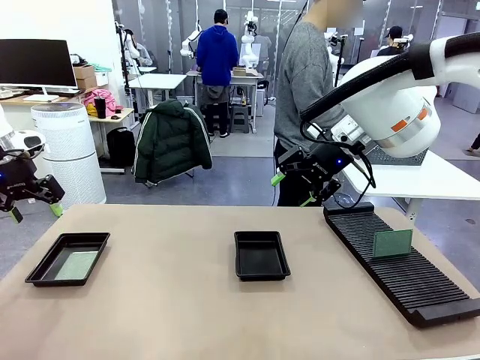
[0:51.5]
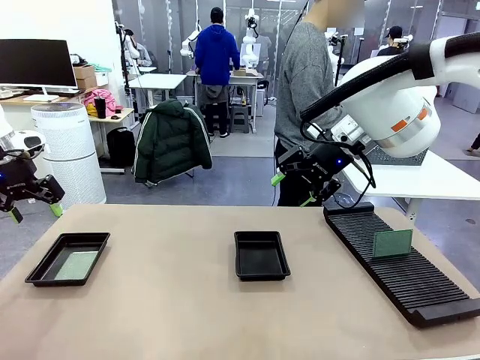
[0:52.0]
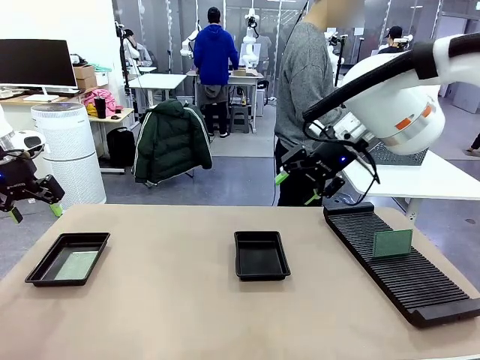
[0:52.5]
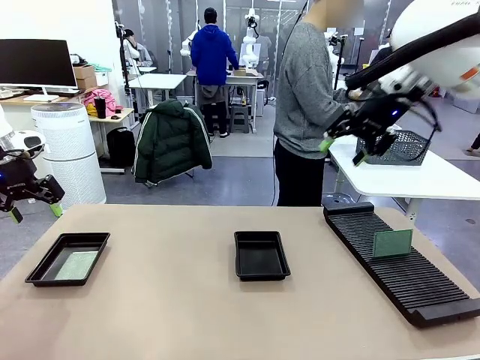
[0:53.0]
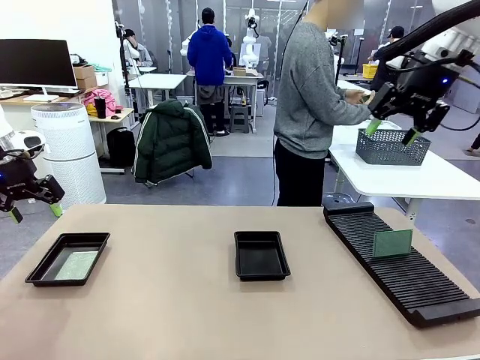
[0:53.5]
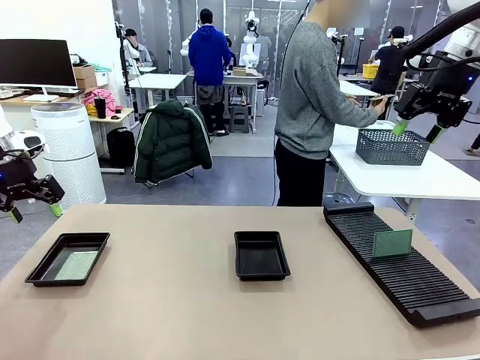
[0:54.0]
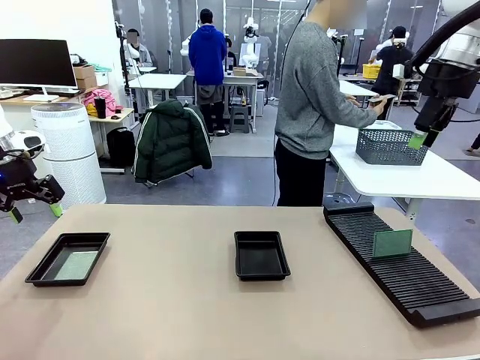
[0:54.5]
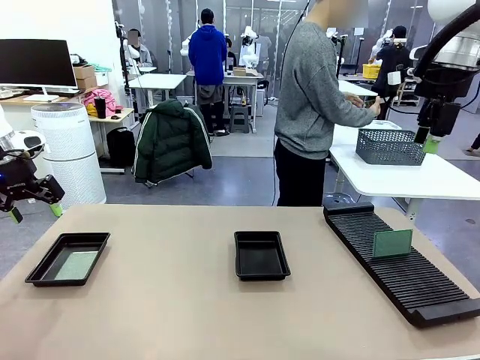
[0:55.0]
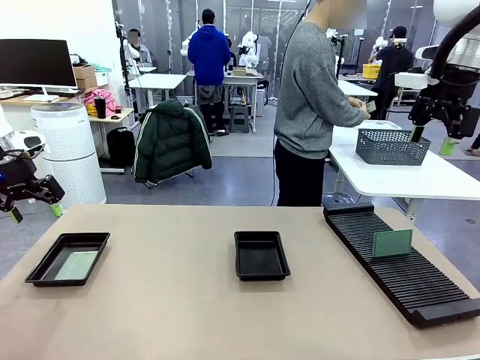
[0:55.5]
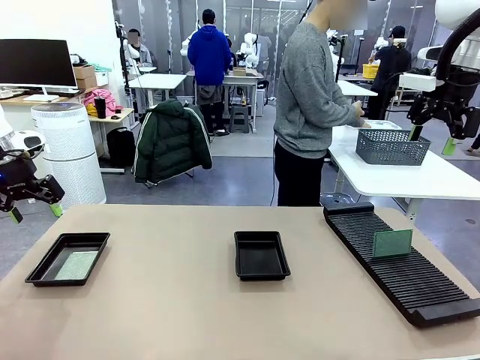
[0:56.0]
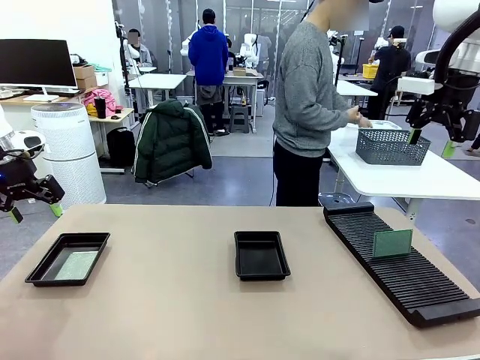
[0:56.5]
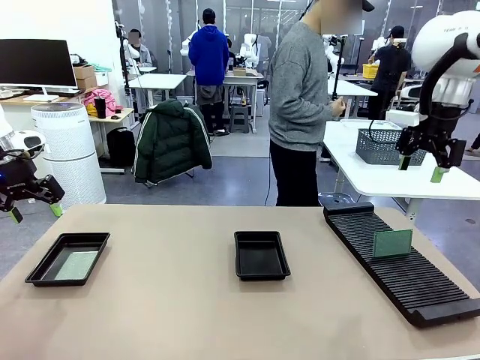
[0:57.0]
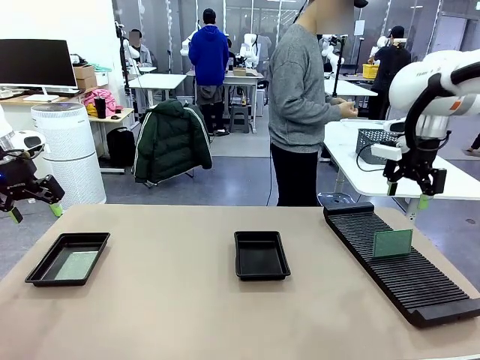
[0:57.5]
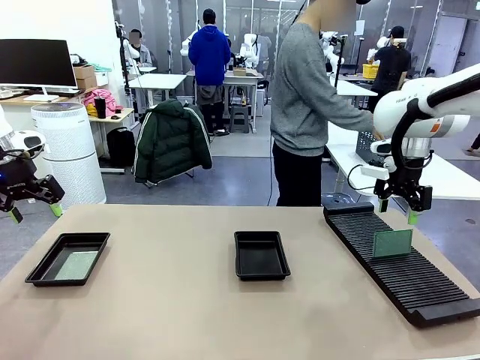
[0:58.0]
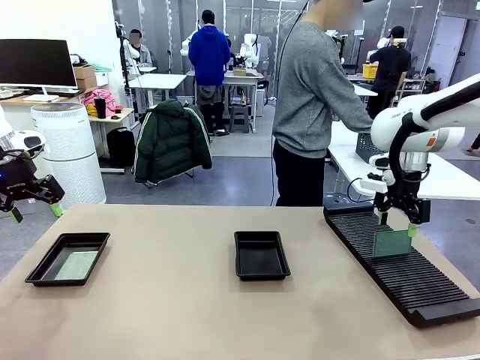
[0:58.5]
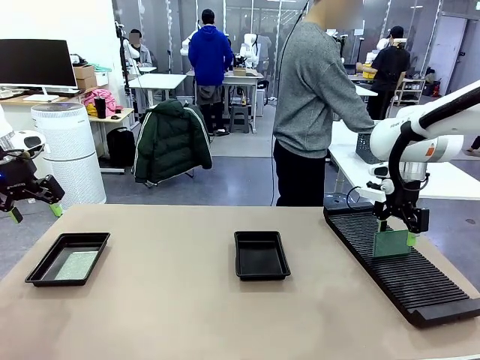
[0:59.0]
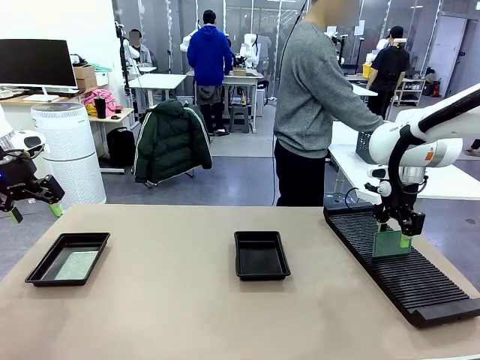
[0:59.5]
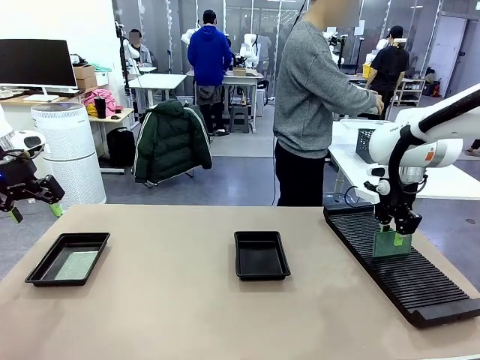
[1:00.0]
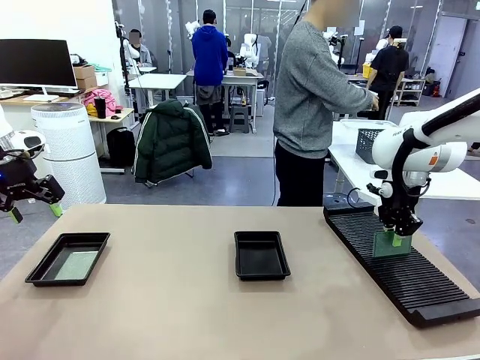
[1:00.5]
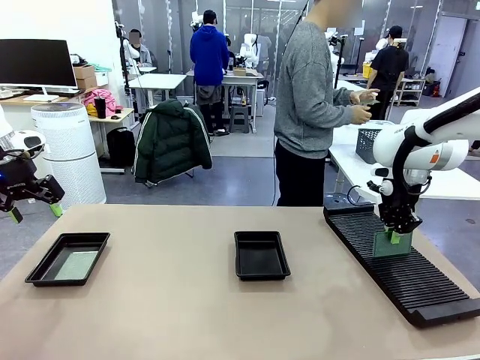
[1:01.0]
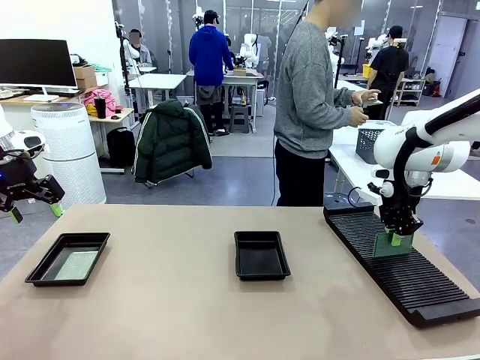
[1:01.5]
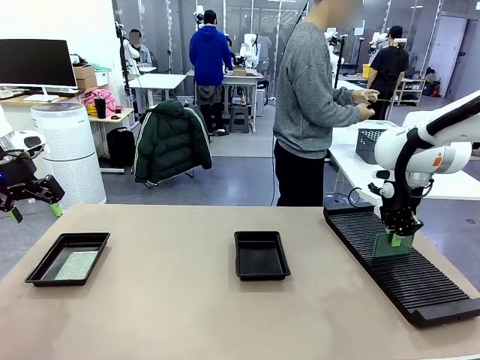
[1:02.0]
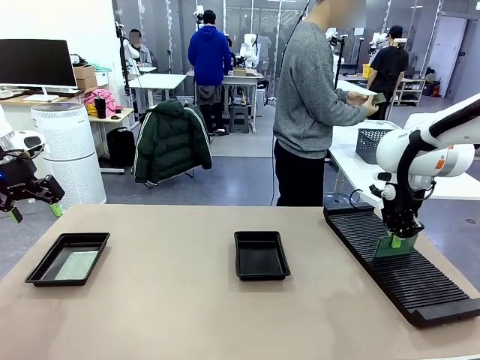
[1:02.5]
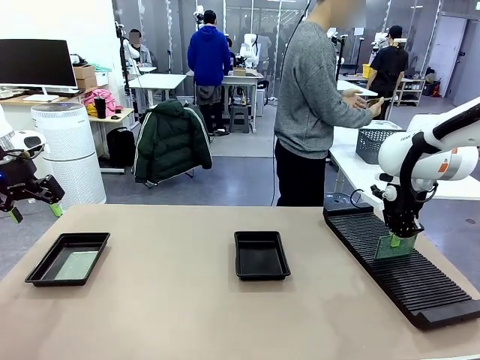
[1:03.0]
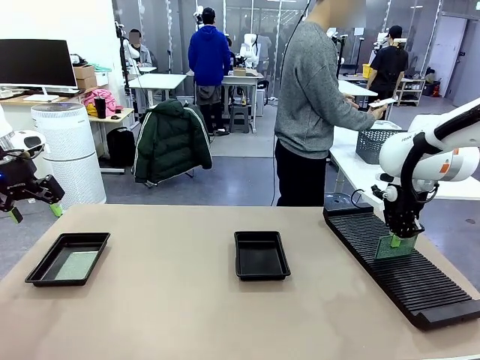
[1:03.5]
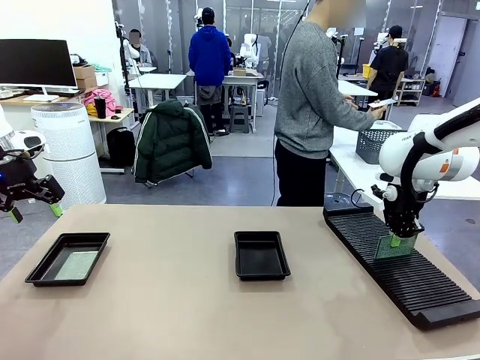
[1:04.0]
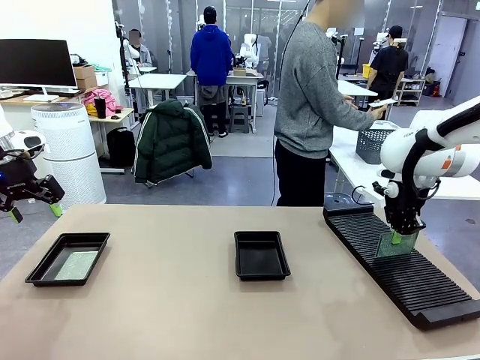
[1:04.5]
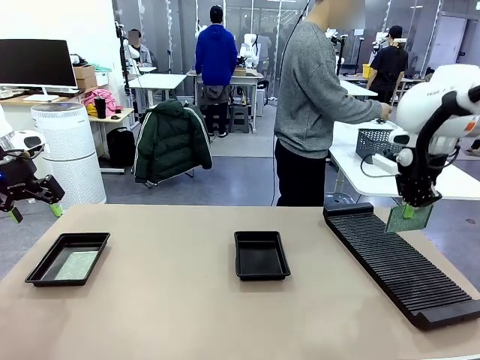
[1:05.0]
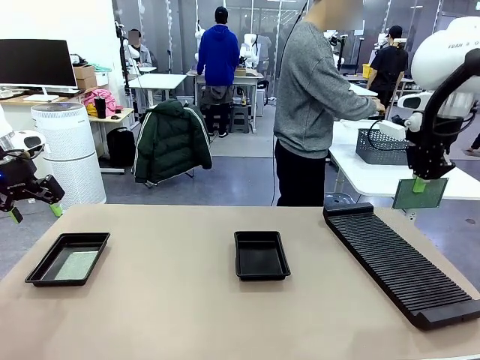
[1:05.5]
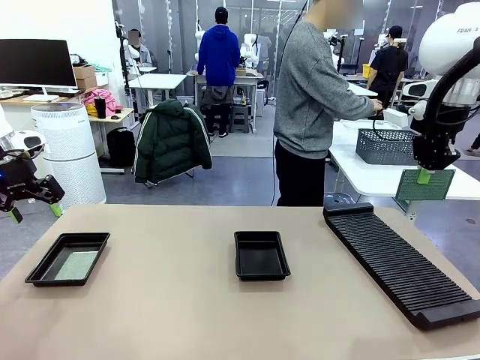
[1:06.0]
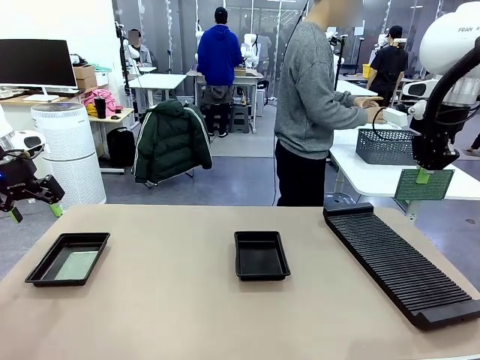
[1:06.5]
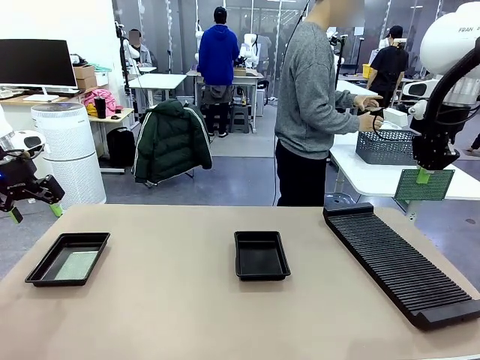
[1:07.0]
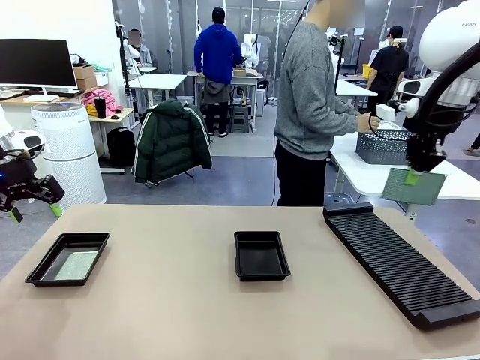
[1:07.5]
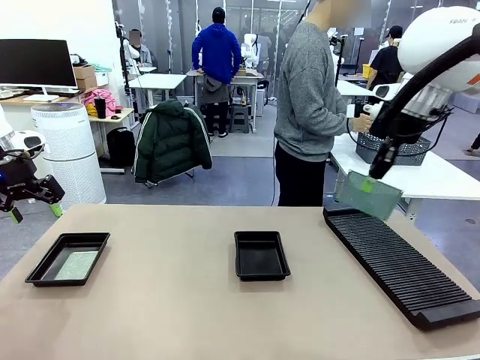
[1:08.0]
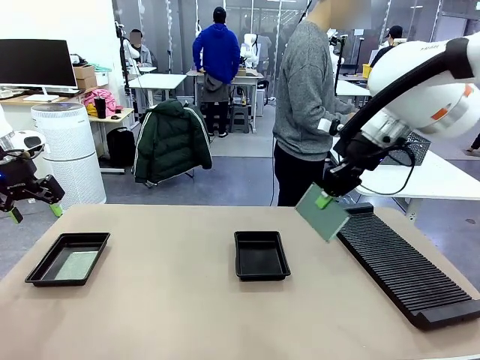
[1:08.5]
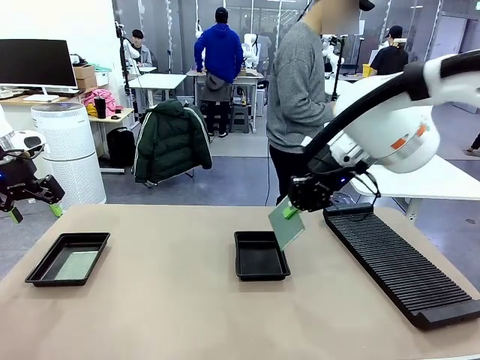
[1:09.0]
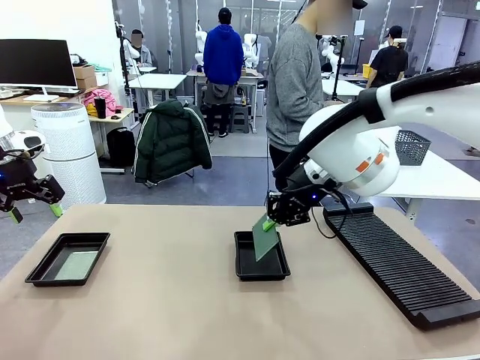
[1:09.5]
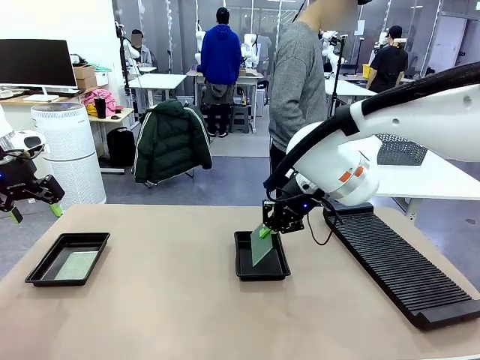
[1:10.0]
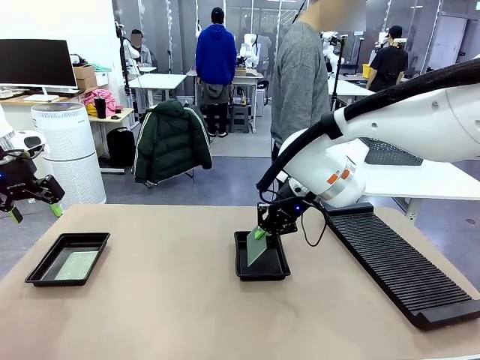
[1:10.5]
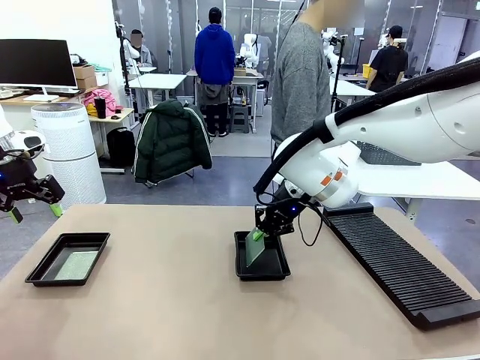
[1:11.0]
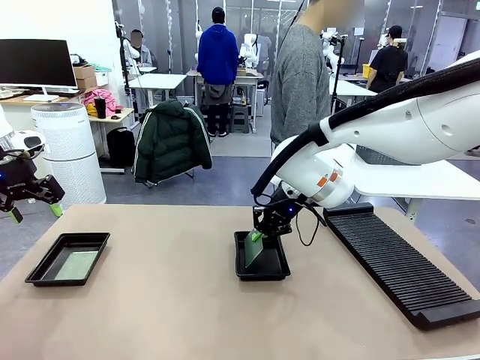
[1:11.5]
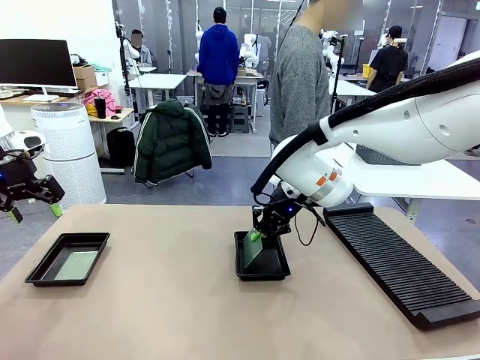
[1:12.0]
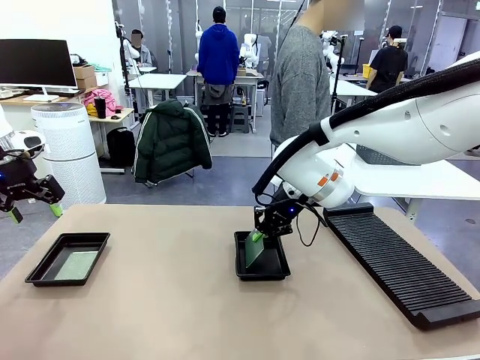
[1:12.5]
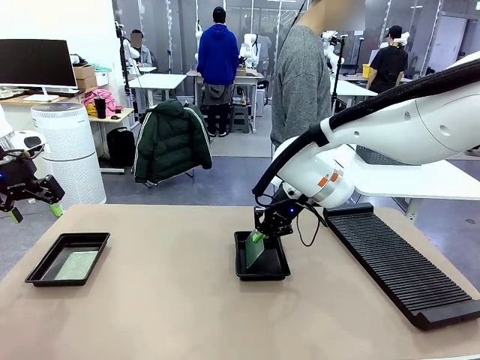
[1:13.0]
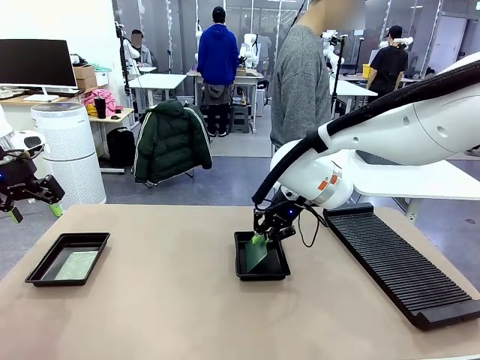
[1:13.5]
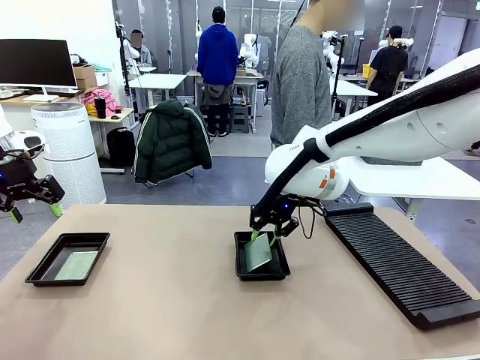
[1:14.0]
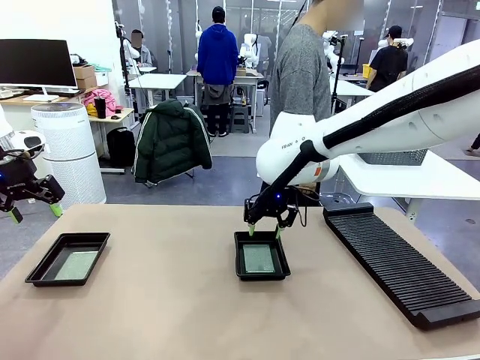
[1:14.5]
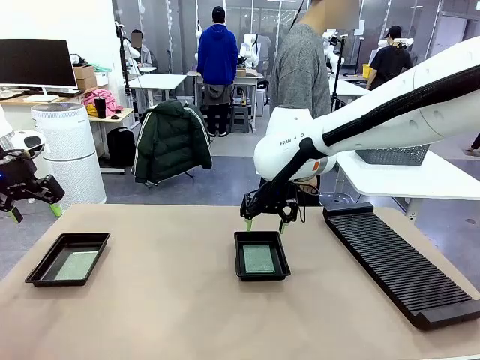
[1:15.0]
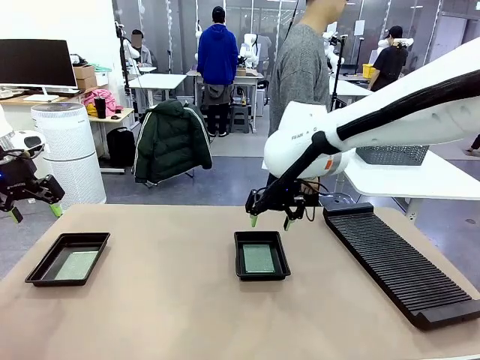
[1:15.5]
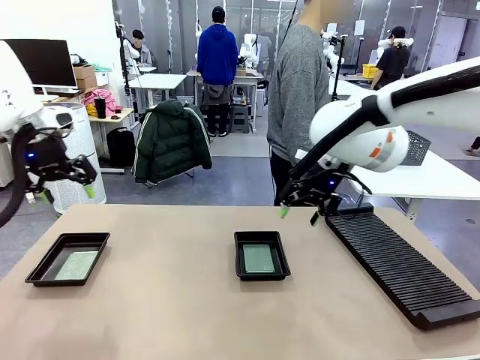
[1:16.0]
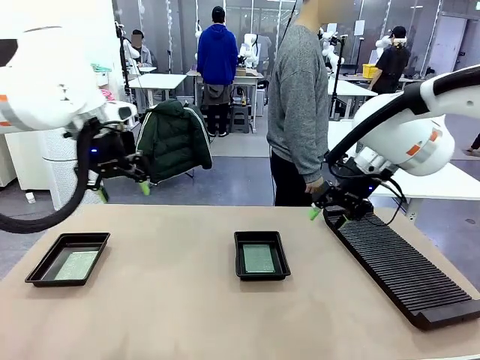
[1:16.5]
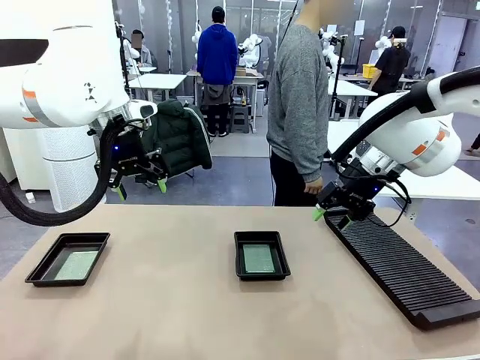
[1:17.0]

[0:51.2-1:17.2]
Task: Inspect and transfer BCBs to ESD trays.
Robot: Pick up the Blank PCB from the PCB Rack and place it in the right ESD tray.
